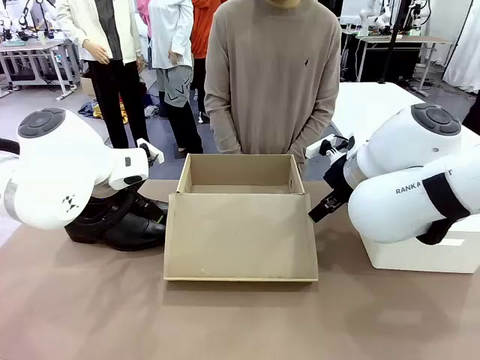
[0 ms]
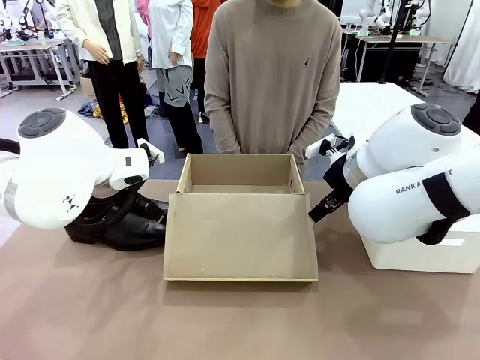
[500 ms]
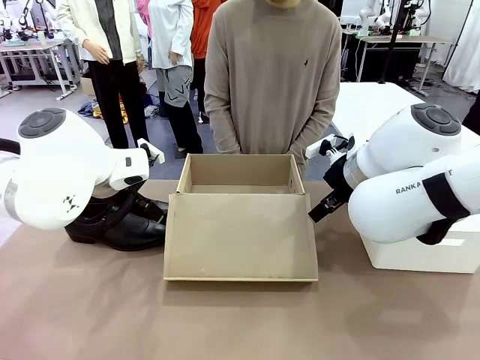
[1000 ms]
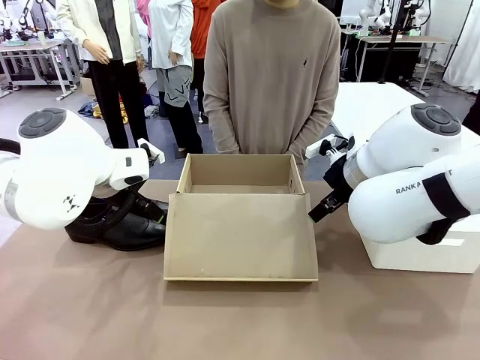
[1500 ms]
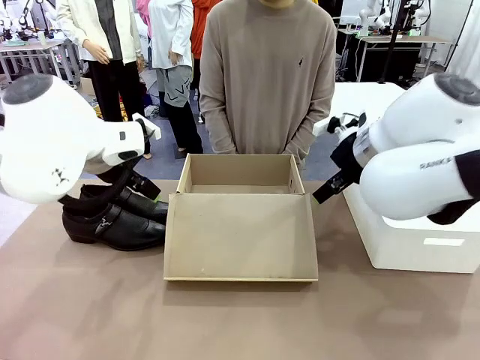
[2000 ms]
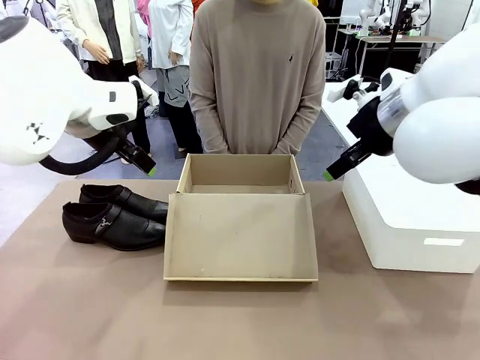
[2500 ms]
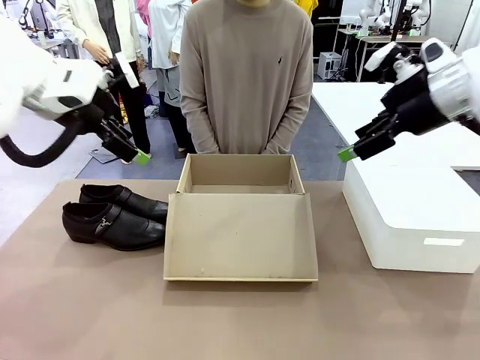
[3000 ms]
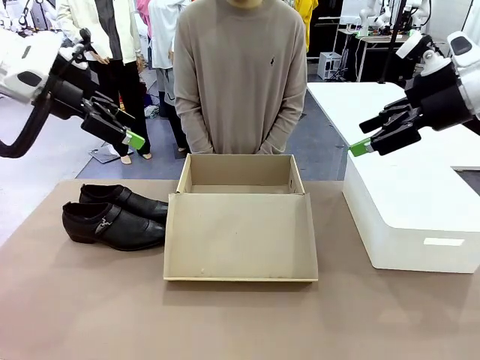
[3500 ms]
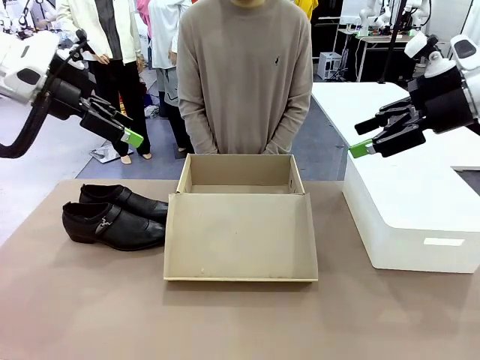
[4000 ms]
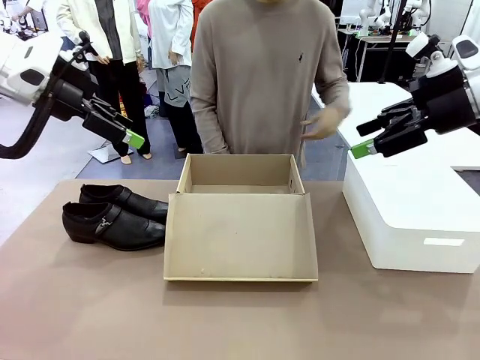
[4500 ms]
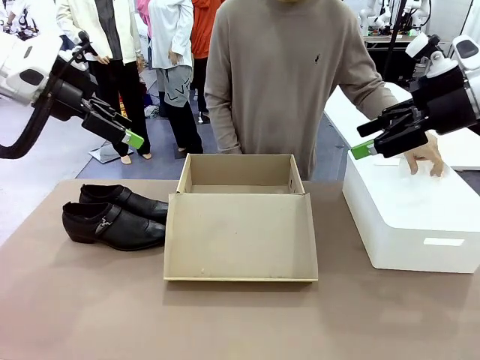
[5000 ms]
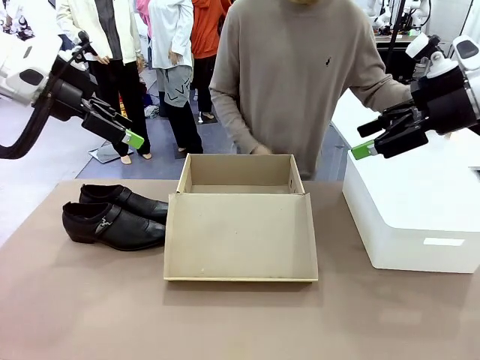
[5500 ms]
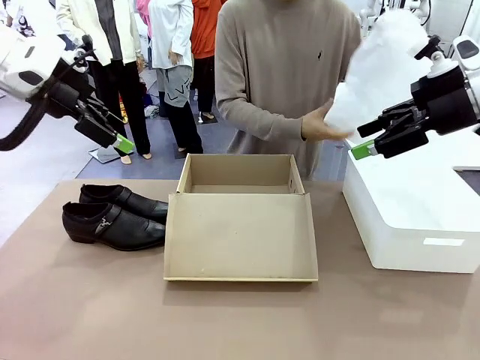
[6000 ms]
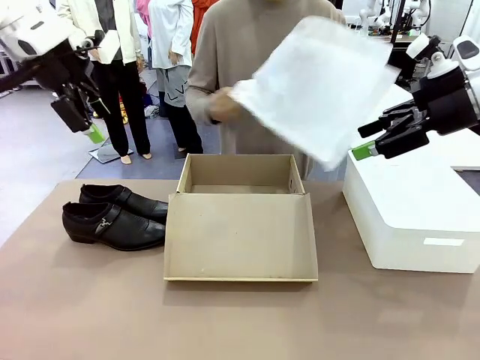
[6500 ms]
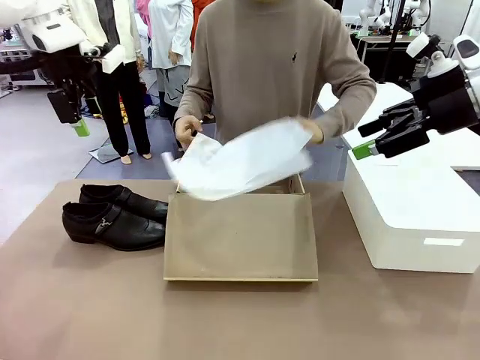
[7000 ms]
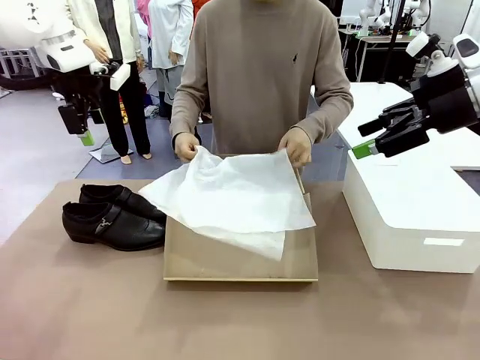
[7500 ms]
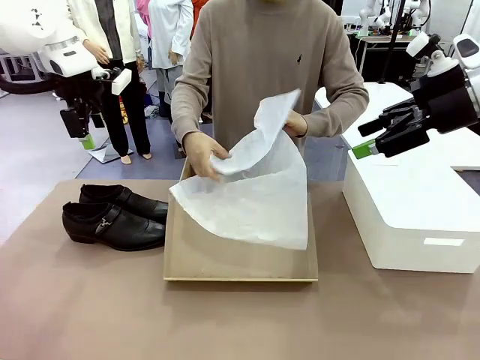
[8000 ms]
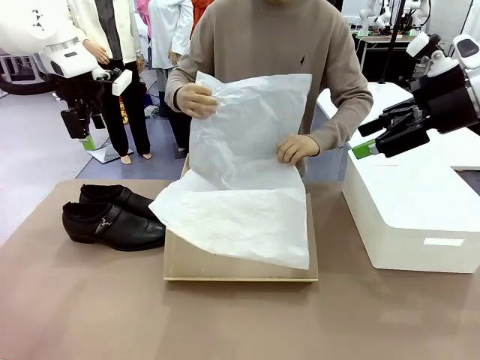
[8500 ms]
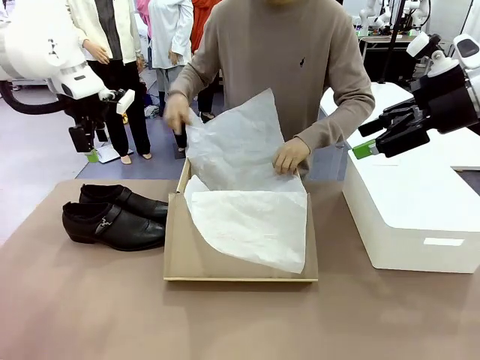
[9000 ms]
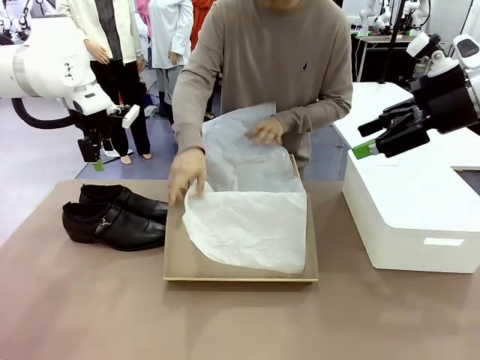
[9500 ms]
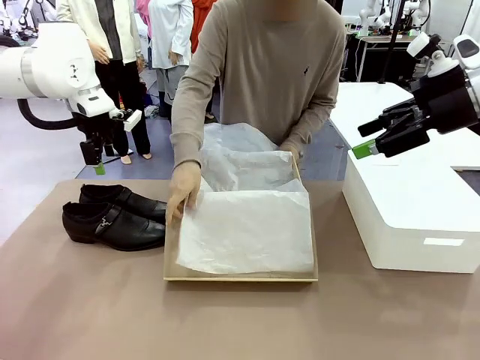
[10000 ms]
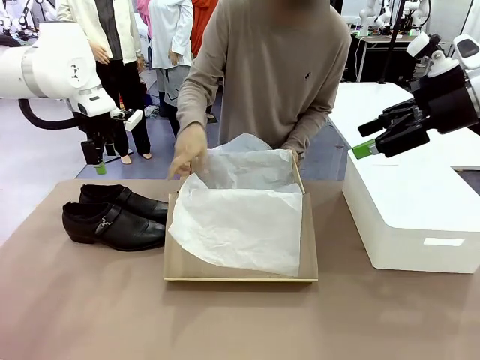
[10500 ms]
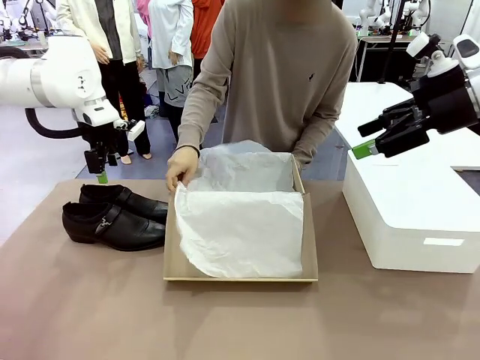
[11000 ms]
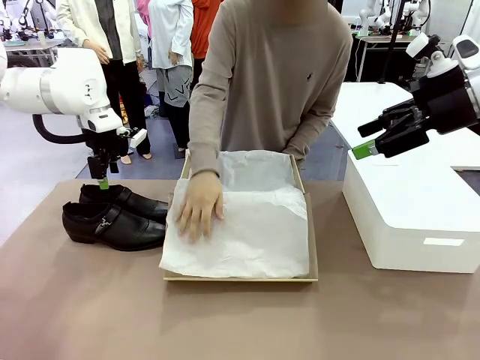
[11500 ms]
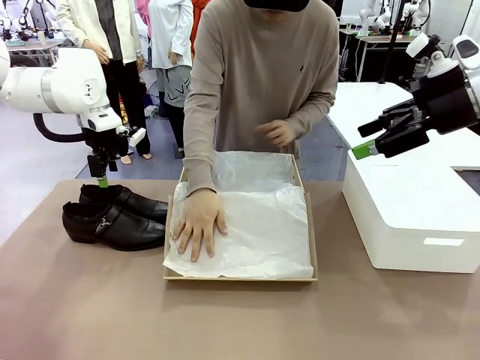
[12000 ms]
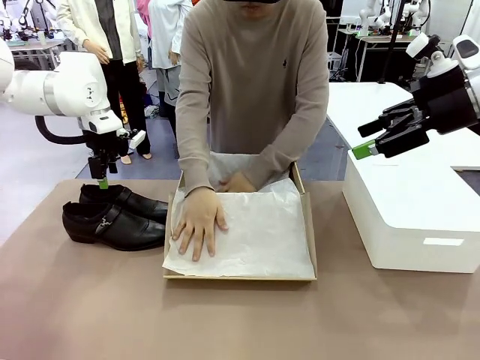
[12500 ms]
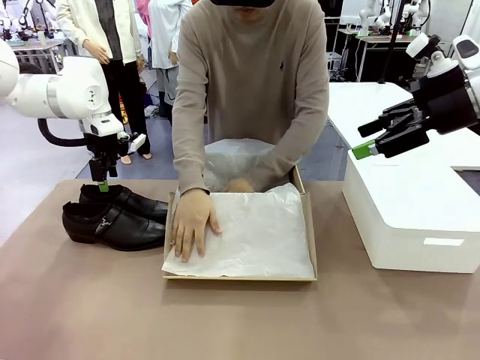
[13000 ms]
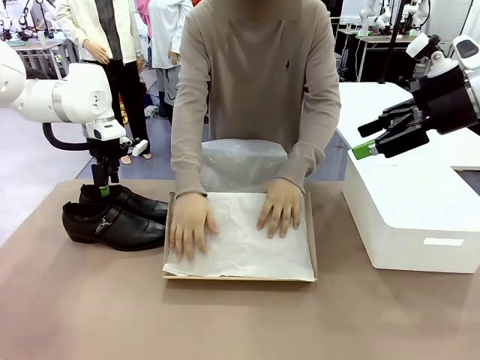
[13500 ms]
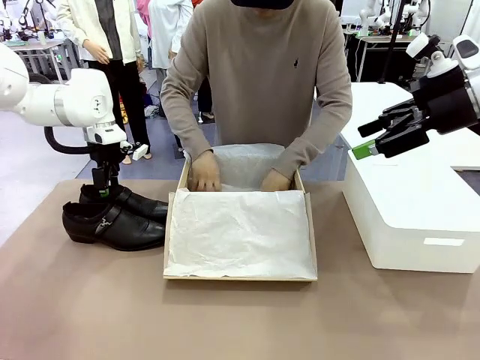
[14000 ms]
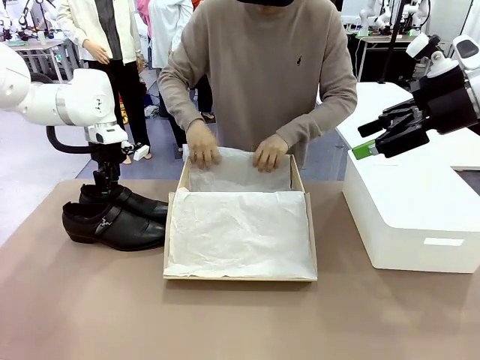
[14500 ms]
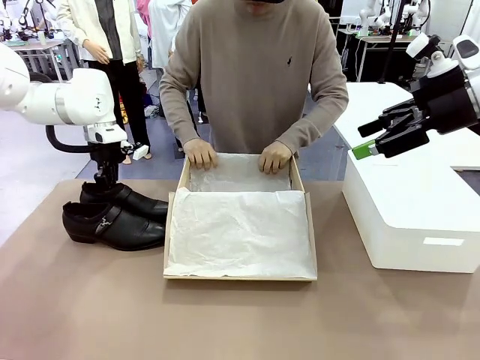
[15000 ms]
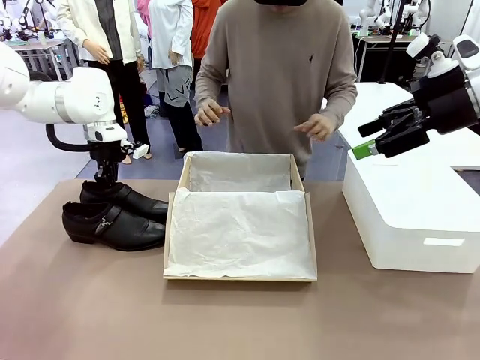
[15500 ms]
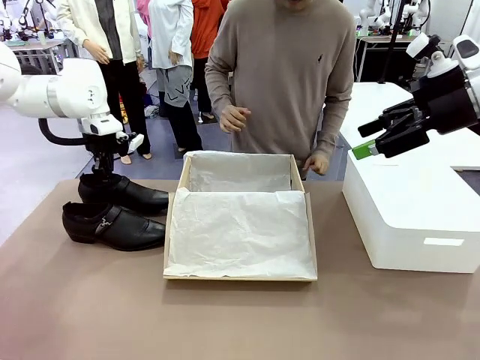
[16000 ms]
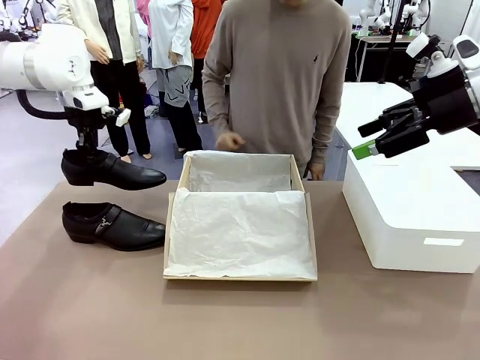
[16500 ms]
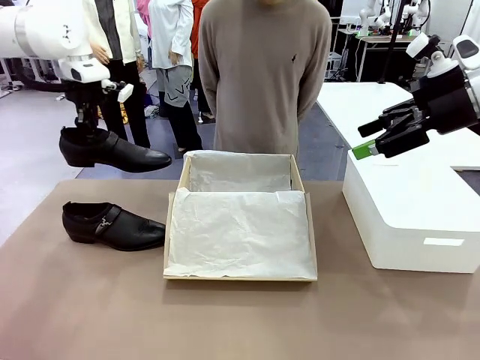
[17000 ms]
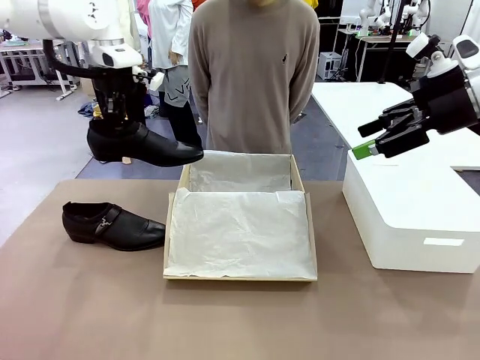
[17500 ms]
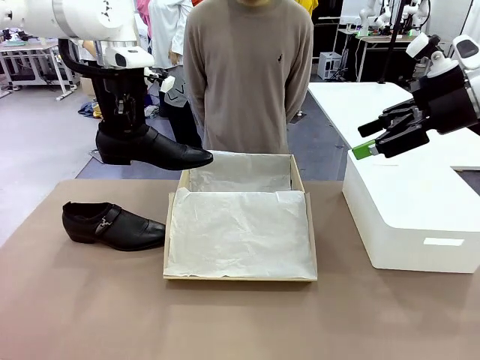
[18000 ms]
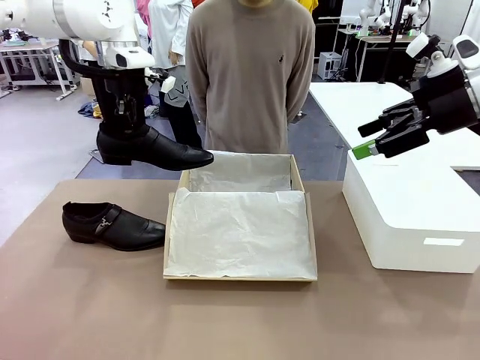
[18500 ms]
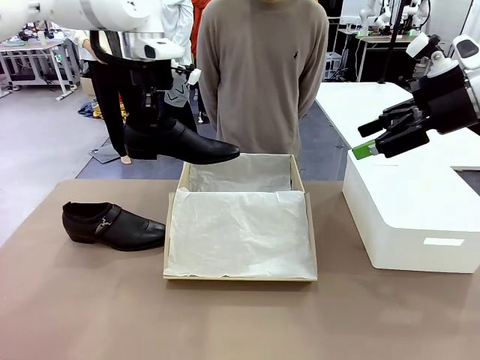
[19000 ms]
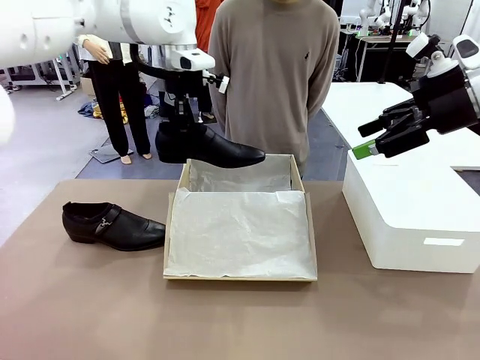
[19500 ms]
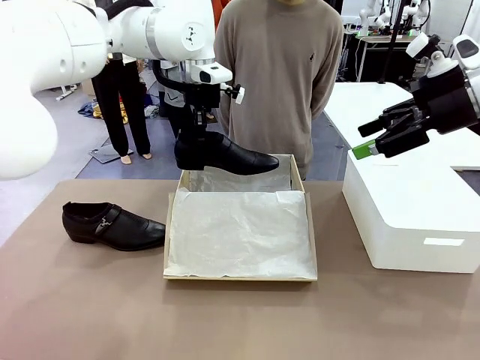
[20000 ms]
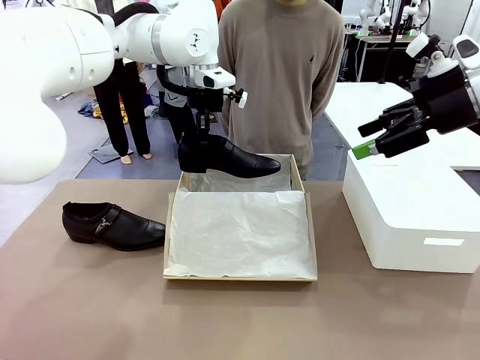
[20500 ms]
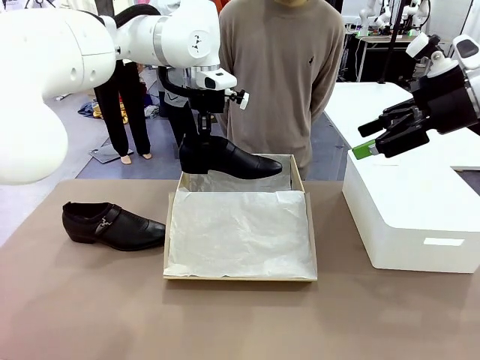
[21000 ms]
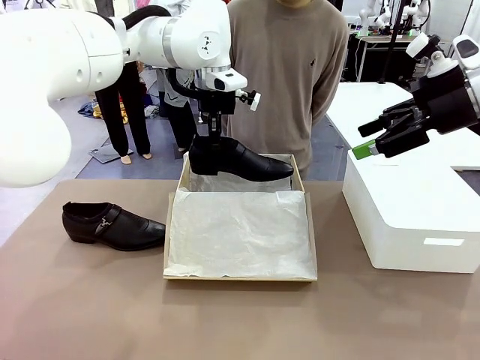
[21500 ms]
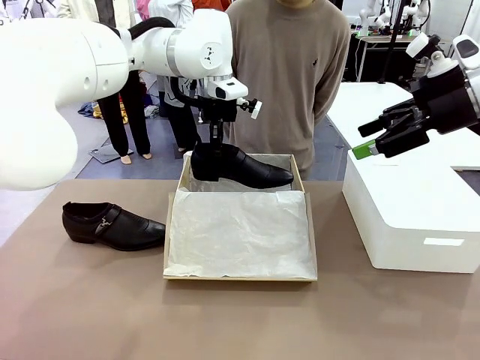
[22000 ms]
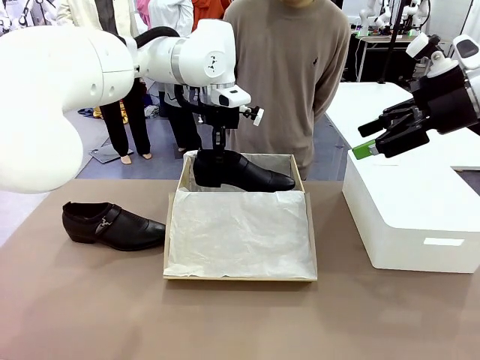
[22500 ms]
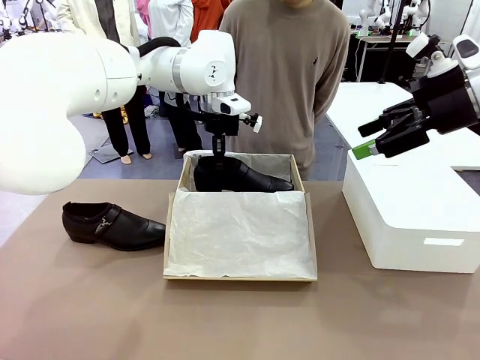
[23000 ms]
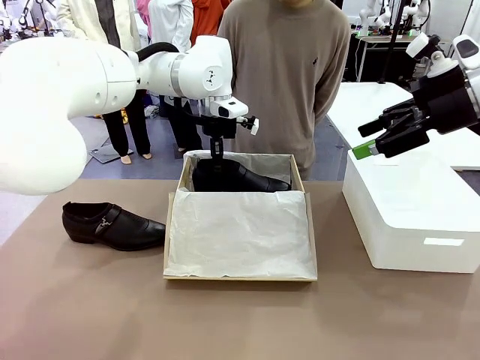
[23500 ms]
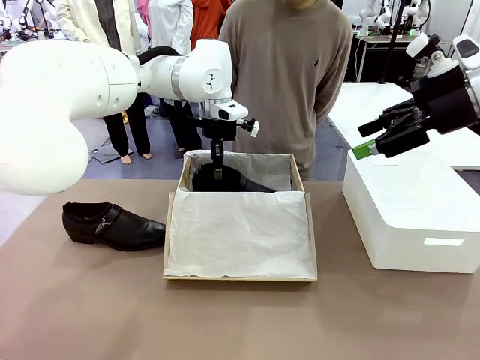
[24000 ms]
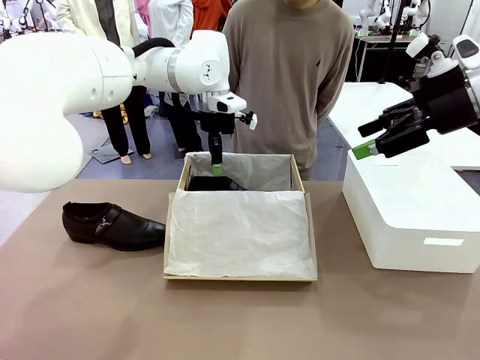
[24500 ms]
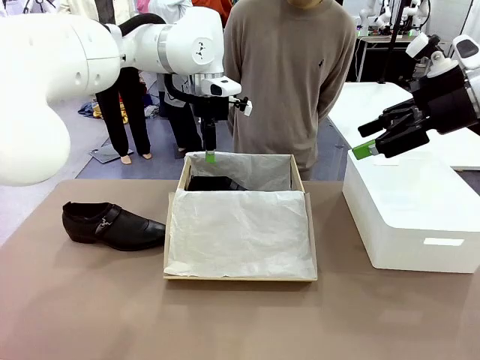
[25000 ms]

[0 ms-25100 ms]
Task: Pack the shoes into the box.
Robot: Place one shoe of the Shoes into the Shoes Box.
Person: Spread Shoes Wrapping Paper and place inside the Shoes Box.
